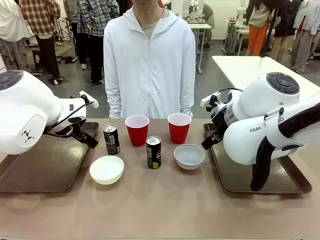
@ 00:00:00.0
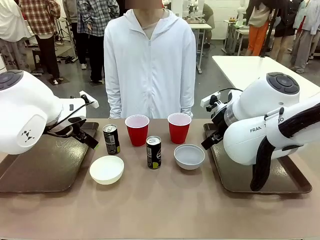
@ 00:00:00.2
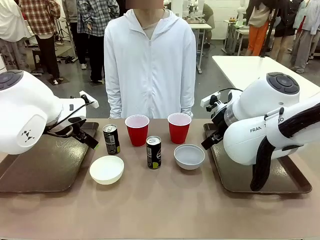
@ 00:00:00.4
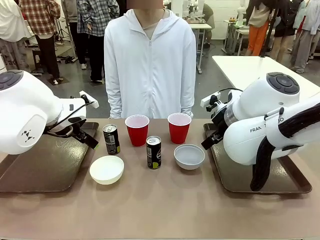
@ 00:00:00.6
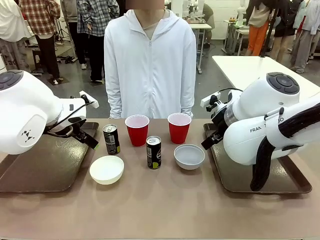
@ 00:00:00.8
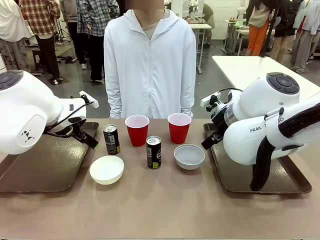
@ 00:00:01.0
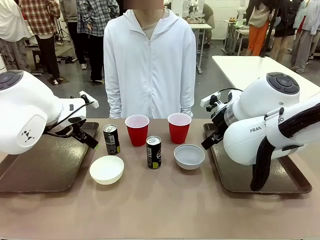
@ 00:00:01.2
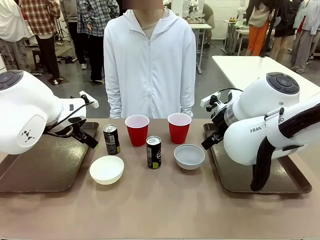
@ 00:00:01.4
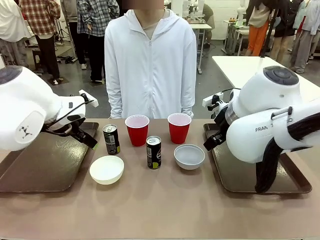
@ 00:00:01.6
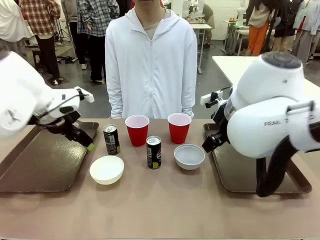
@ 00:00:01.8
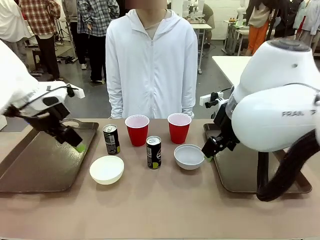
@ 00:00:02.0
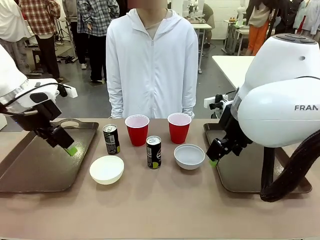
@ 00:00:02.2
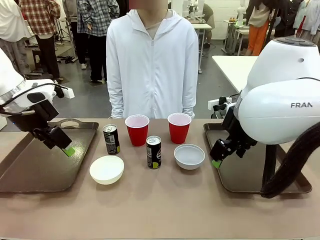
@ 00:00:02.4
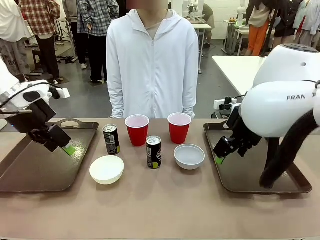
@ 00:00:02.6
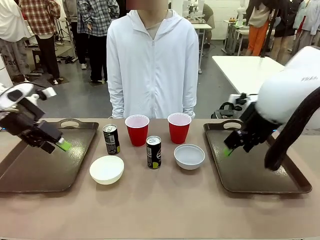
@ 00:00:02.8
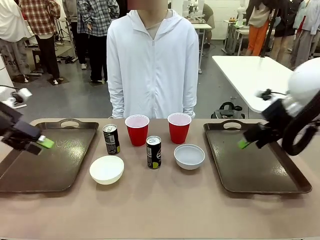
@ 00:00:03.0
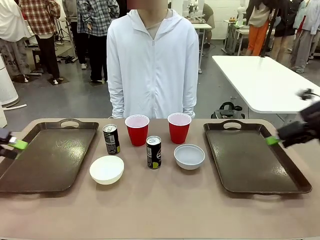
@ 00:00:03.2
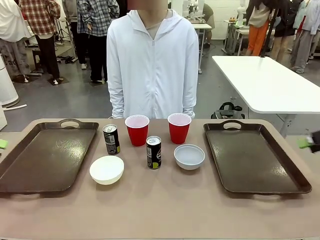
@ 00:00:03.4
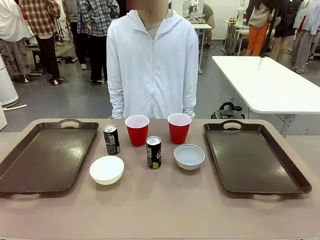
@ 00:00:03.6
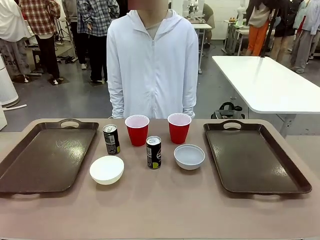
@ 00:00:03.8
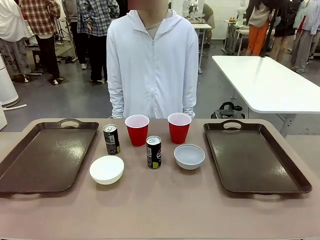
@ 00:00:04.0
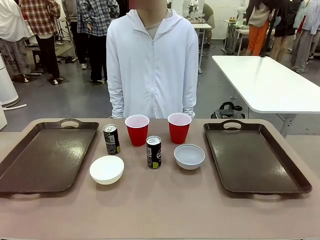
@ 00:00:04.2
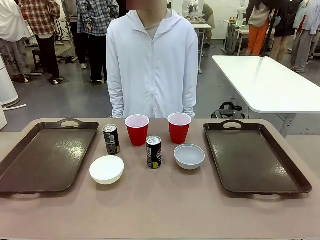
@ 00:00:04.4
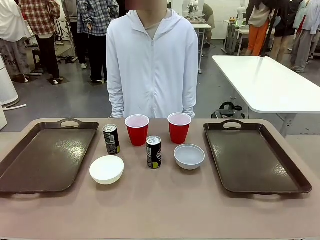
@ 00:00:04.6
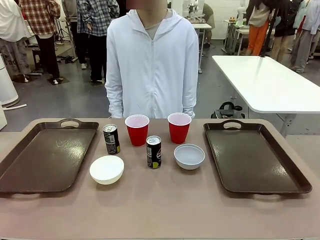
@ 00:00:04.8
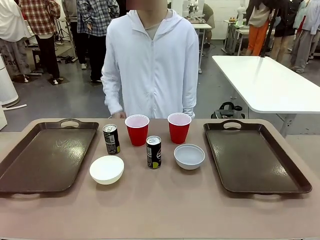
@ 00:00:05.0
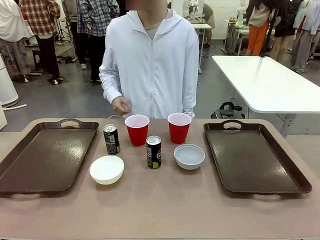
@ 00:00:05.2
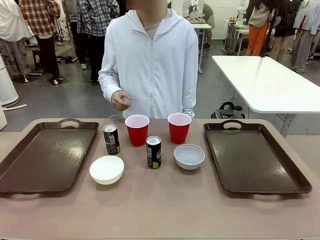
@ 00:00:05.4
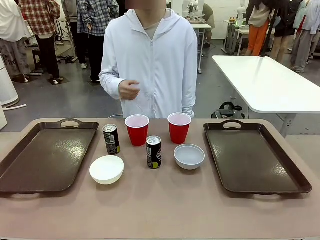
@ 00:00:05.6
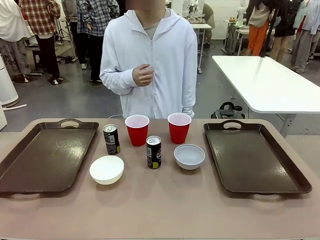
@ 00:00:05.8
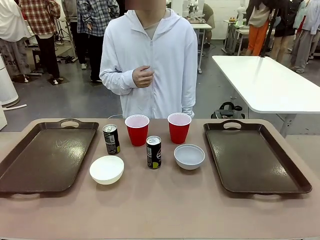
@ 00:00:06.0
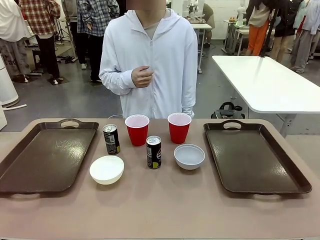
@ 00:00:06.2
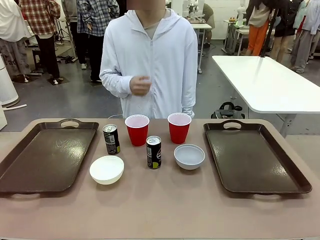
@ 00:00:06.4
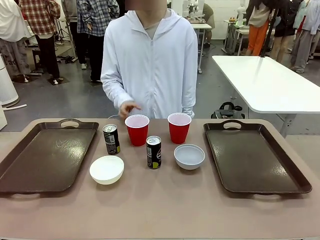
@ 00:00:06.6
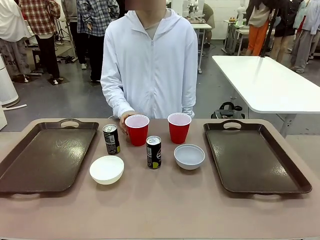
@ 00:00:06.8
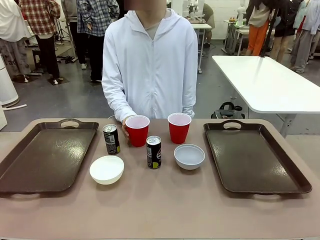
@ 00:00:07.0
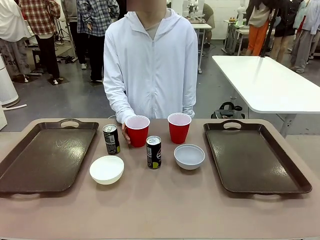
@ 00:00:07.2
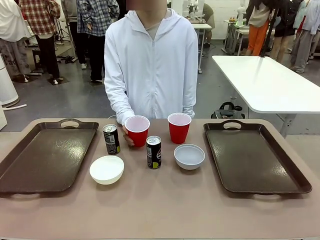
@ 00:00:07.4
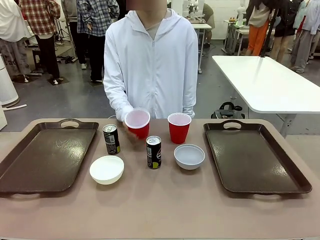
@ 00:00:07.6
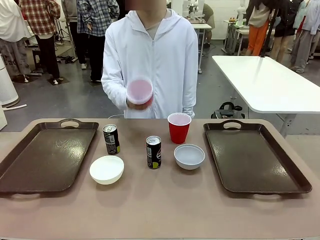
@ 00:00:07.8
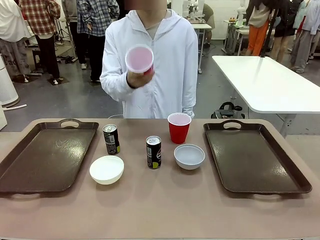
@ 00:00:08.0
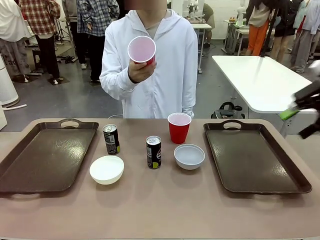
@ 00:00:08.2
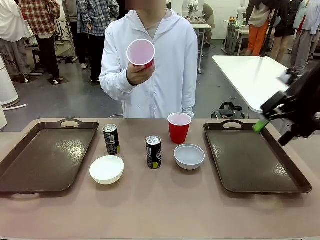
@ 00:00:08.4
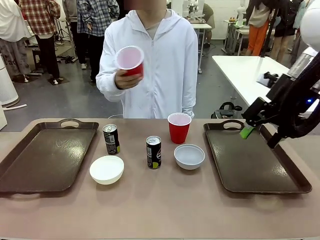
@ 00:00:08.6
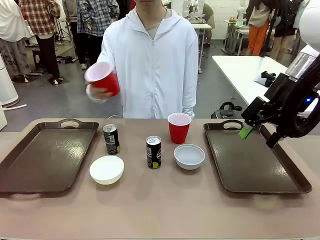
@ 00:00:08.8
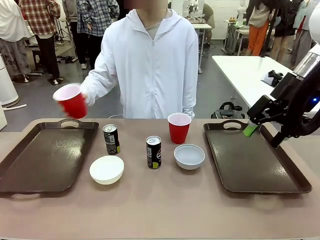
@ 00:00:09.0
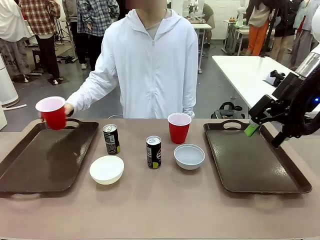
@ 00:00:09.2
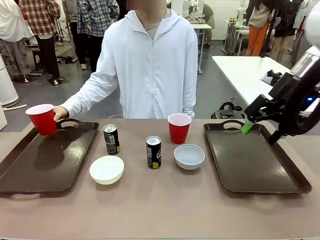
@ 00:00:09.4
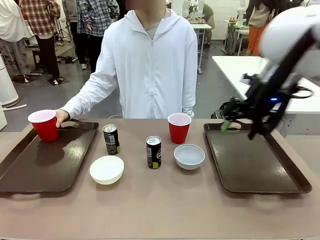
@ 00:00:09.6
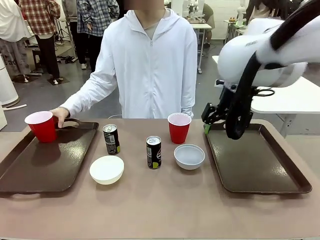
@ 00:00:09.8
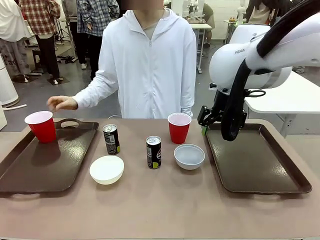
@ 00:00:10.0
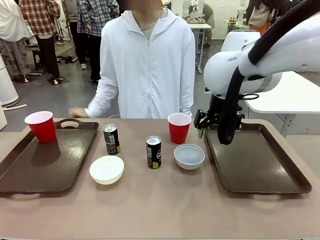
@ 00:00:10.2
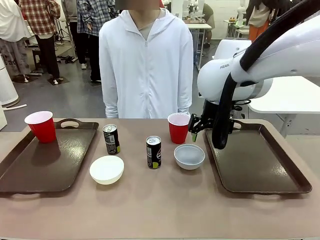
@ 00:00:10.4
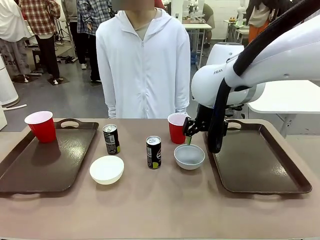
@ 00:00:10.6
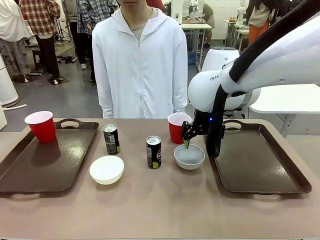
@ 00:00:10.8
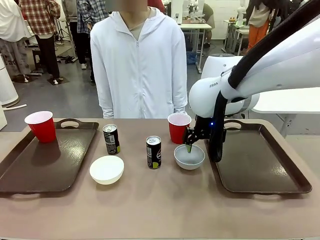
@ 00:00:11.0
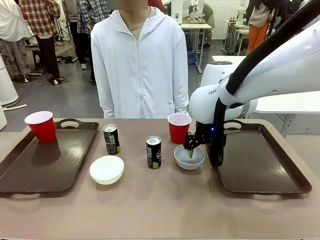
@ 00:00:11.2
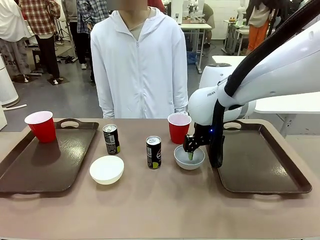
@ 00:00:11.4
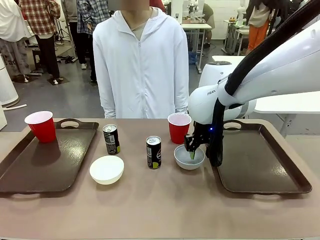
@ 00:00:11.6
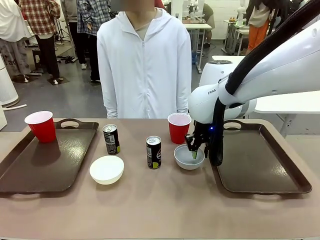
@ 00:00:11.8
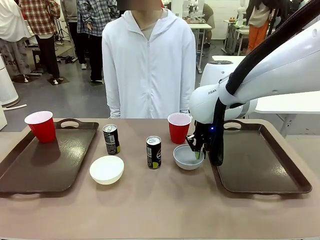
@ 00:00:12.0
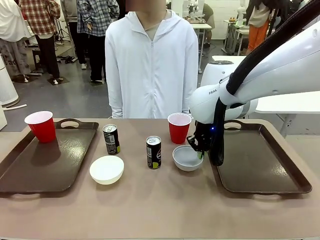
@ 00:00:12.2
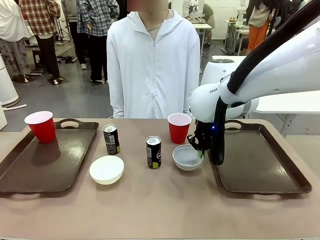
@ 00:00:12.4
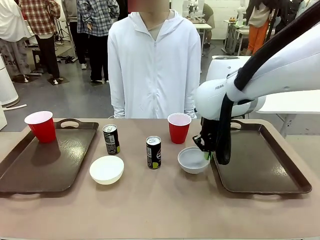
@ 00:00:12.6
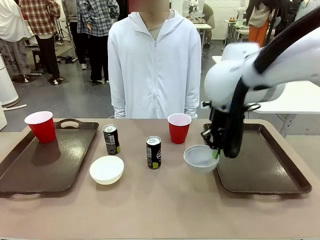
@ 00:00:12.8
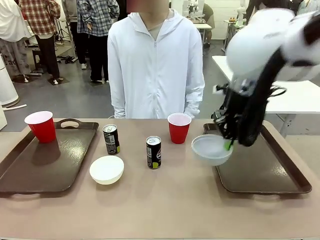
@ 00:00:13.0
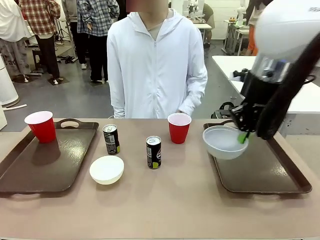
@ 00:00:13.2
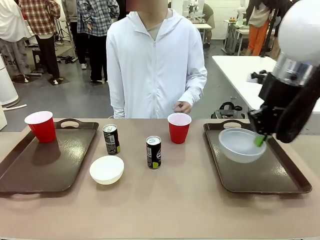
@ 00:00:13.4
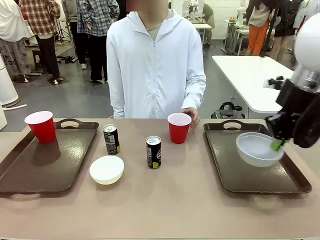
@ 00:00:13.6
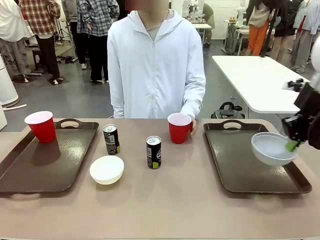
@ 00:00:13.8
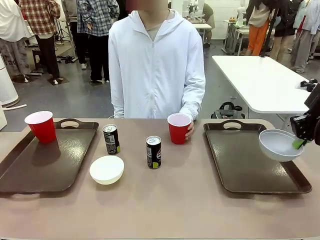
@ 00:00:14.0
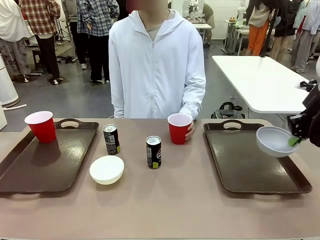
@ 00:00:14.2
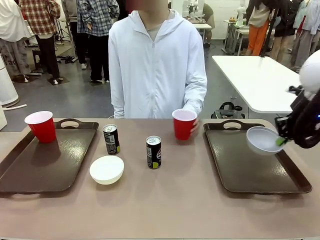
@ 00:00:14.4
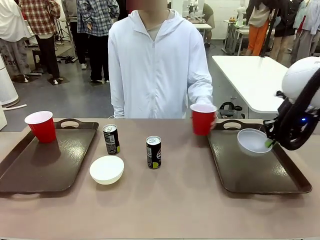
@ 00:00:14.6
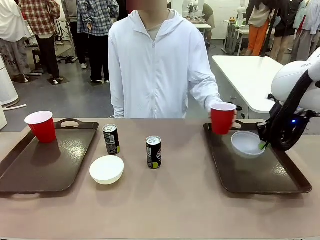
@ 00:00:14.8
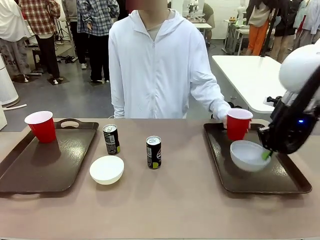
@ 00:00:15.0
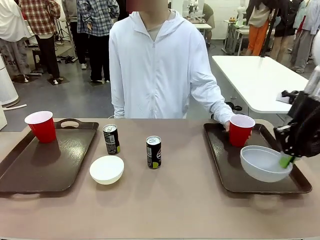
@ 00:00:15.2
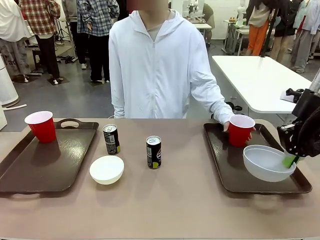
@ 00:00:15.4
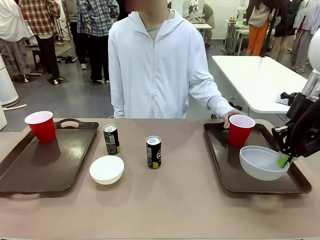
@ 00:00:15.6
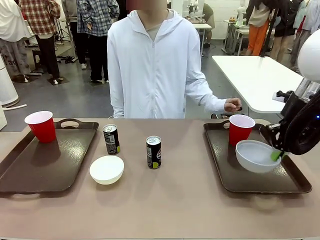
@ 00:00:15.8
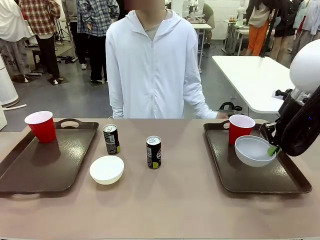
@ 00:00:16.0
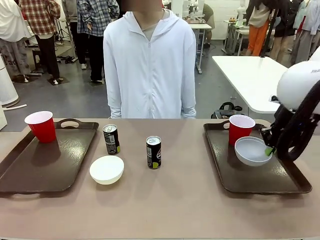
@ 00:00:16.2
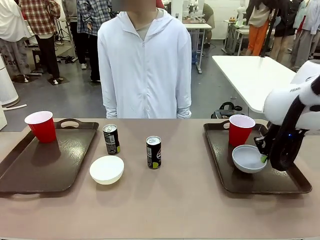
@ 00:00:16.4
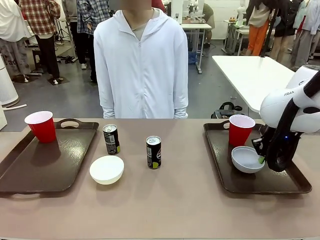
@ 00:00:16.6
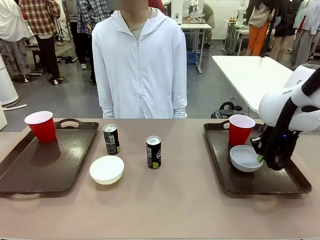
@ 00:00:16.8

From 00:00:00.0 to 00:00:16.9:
Task: Prepare tableware on both trays.
Robot: Pick up a Picnic Bowl from the table and place it on a Handle tray.
Person: Pick up a can or cup and place it on the tray.
